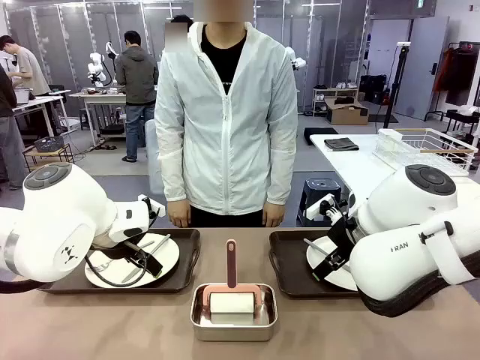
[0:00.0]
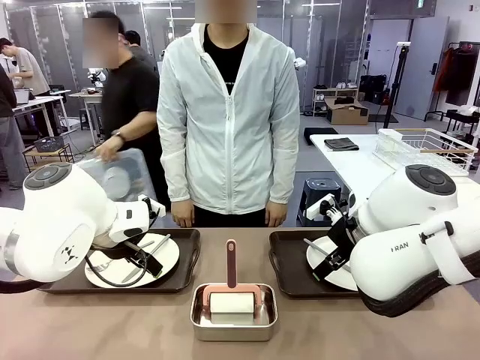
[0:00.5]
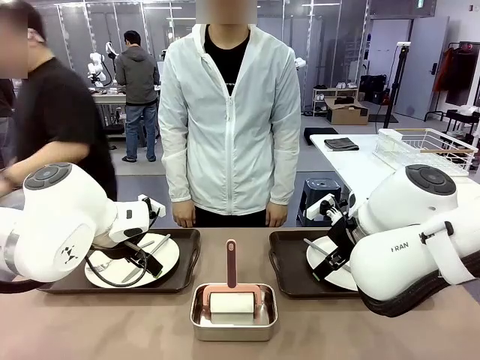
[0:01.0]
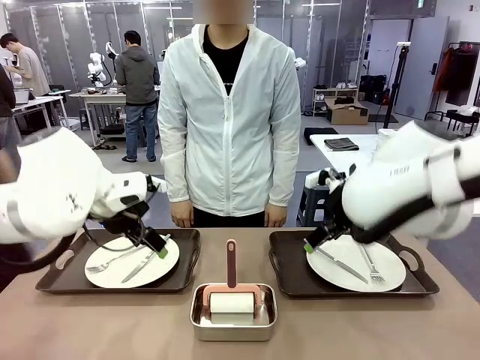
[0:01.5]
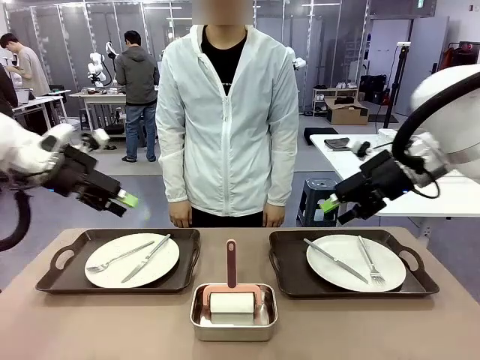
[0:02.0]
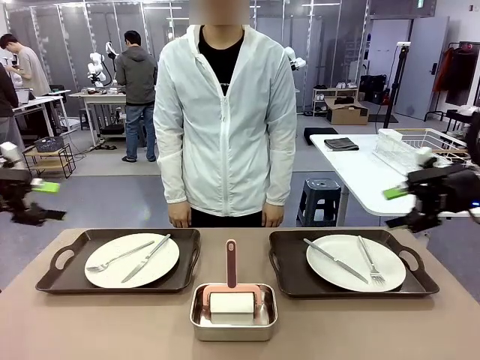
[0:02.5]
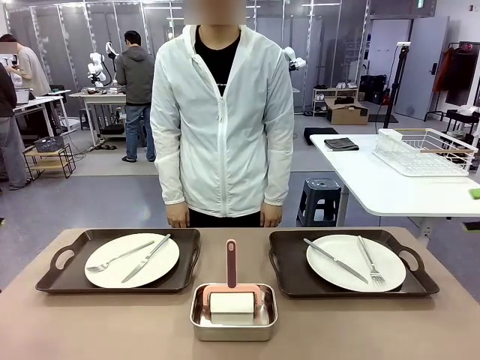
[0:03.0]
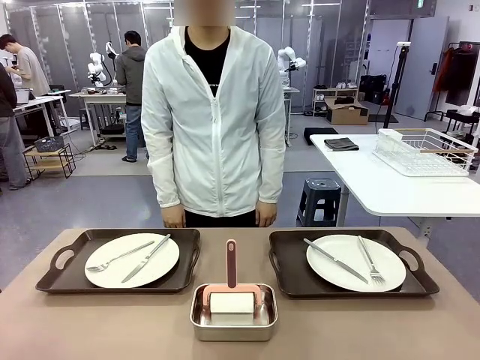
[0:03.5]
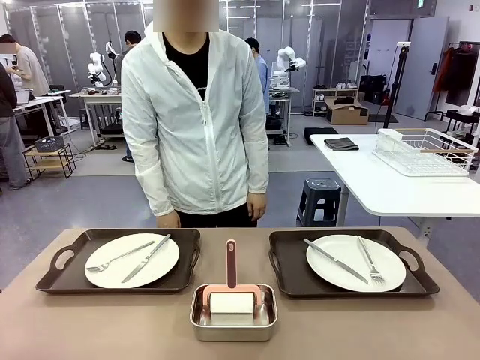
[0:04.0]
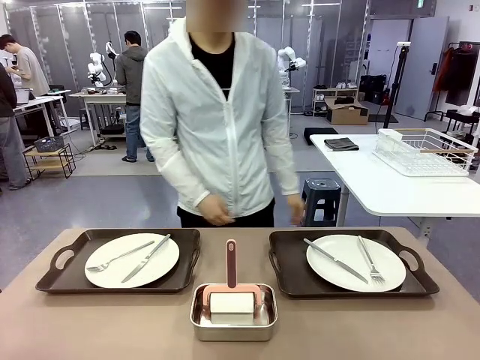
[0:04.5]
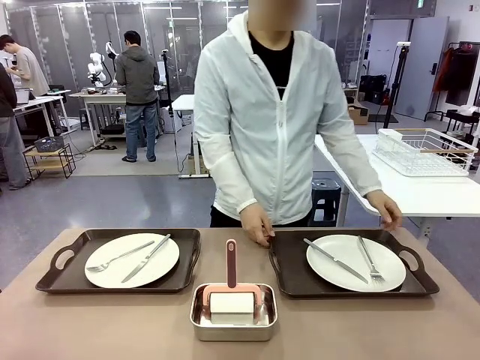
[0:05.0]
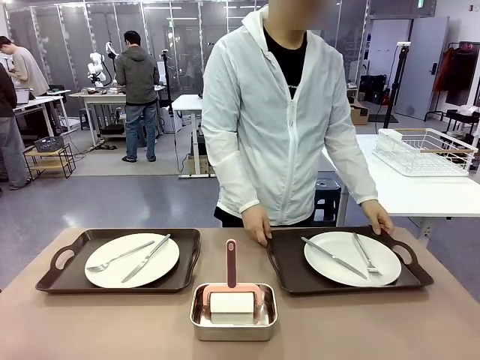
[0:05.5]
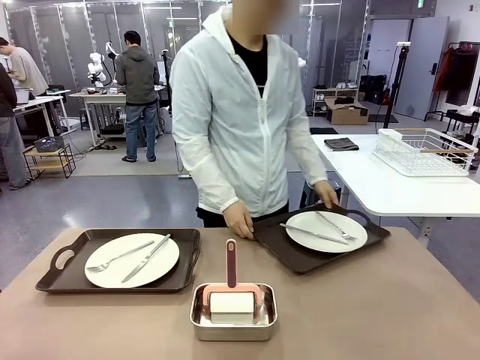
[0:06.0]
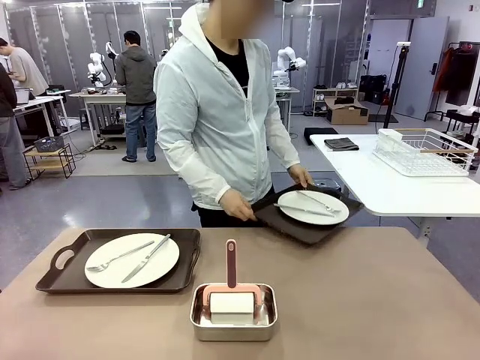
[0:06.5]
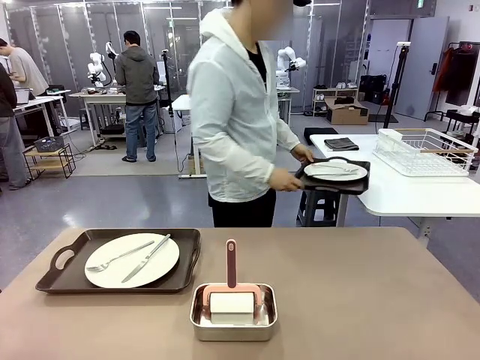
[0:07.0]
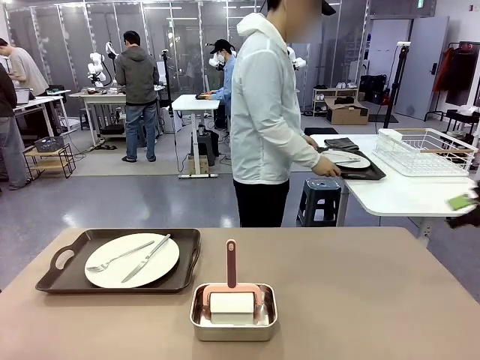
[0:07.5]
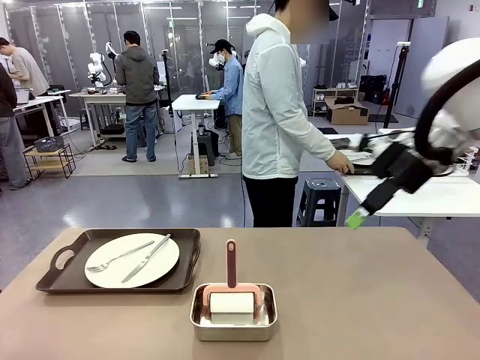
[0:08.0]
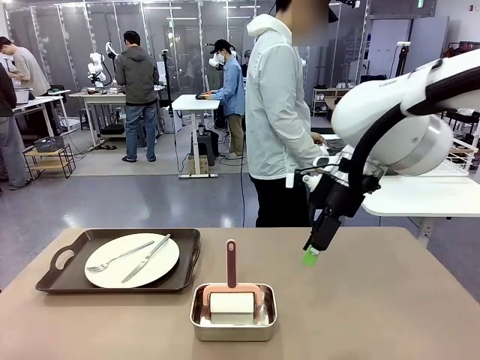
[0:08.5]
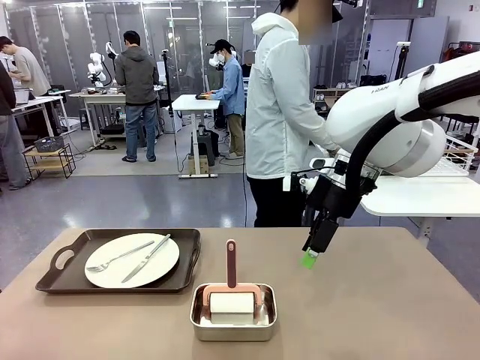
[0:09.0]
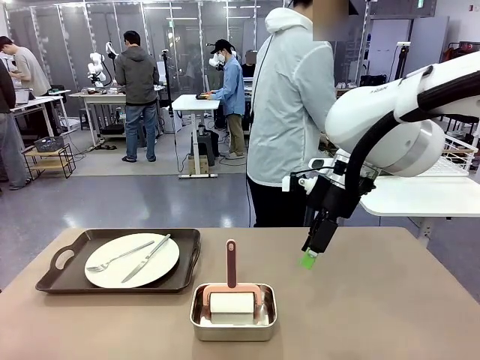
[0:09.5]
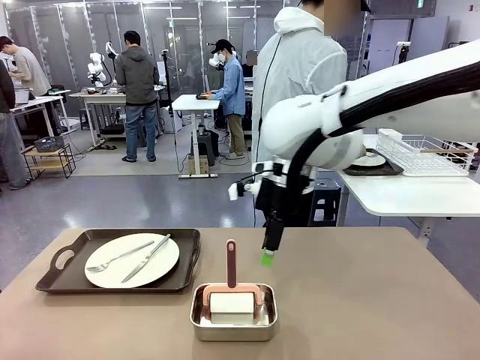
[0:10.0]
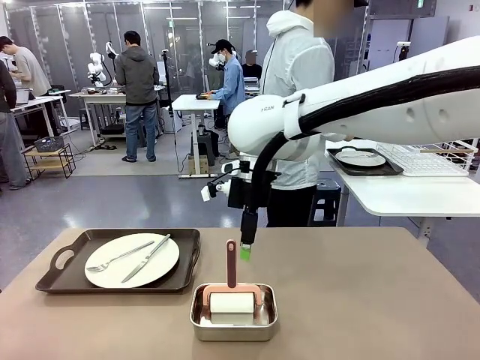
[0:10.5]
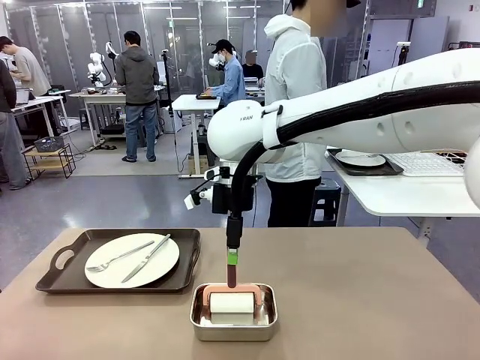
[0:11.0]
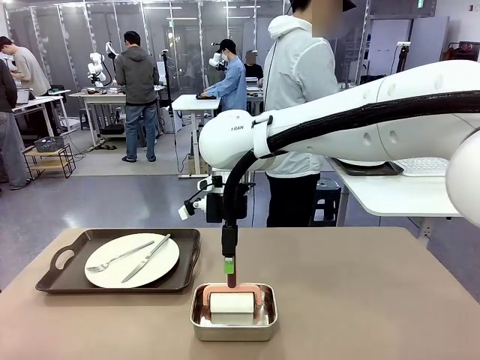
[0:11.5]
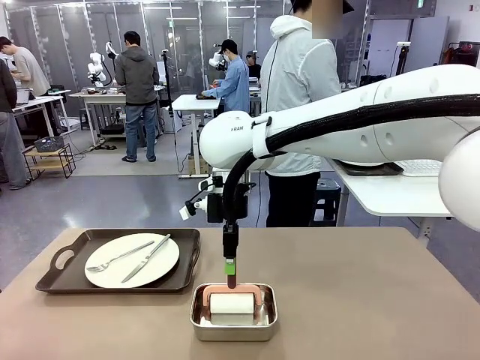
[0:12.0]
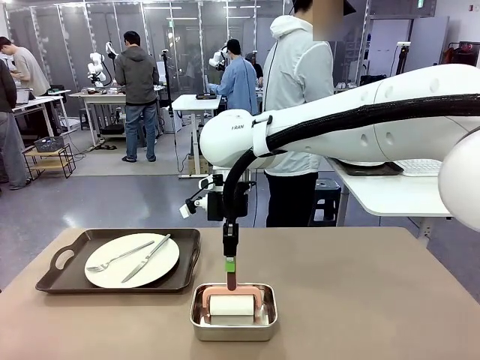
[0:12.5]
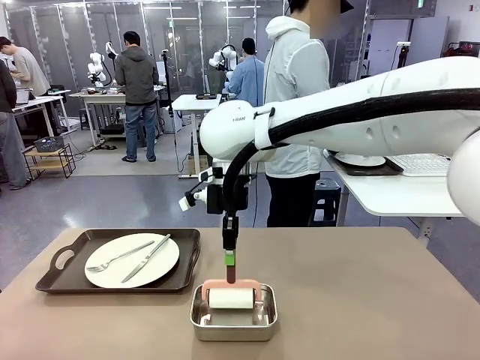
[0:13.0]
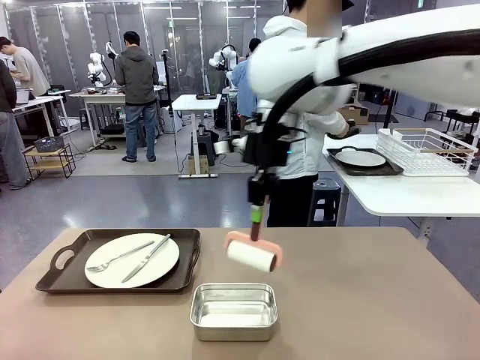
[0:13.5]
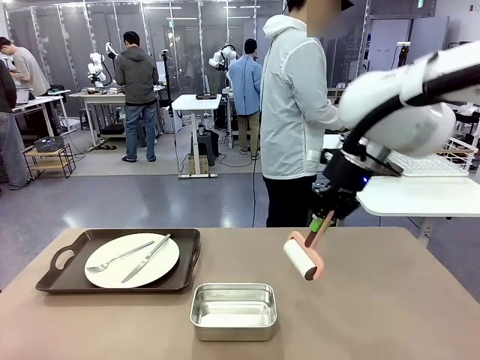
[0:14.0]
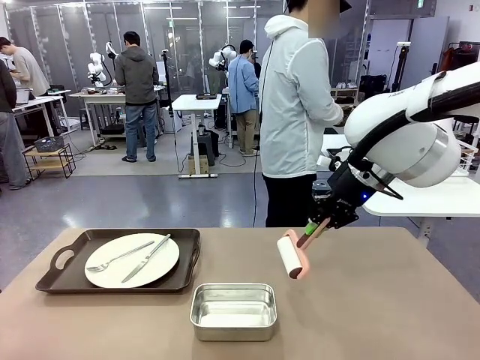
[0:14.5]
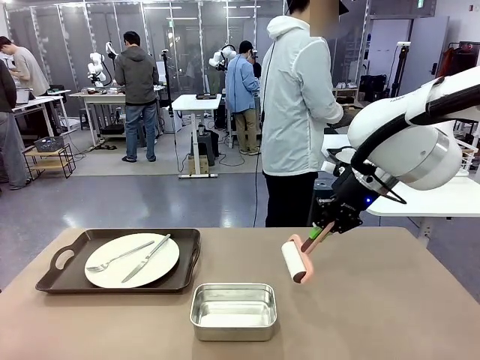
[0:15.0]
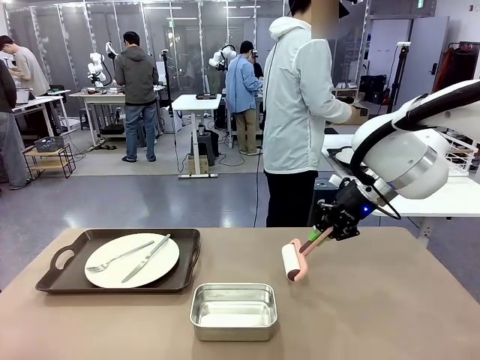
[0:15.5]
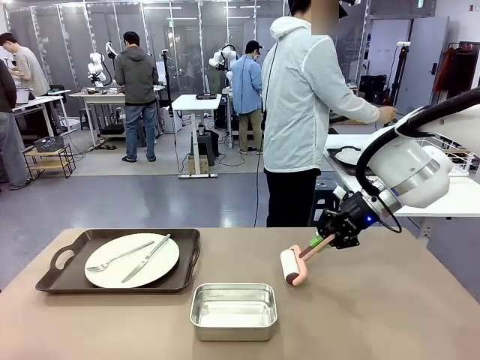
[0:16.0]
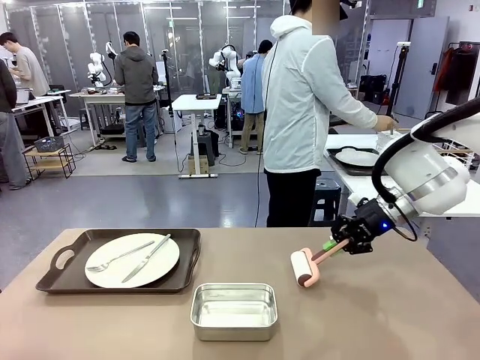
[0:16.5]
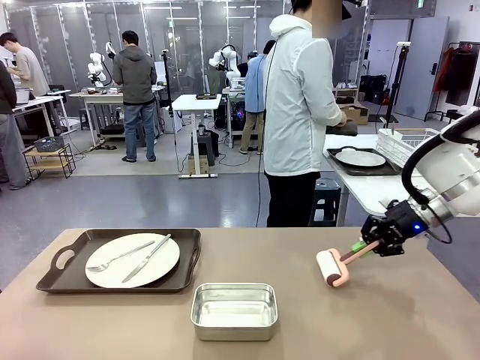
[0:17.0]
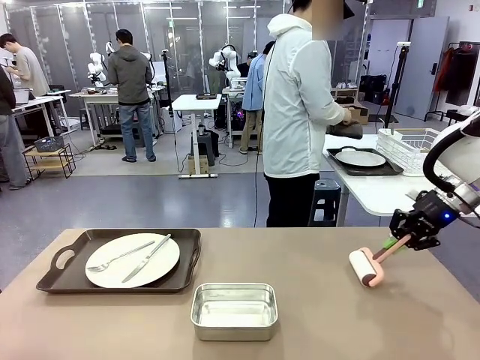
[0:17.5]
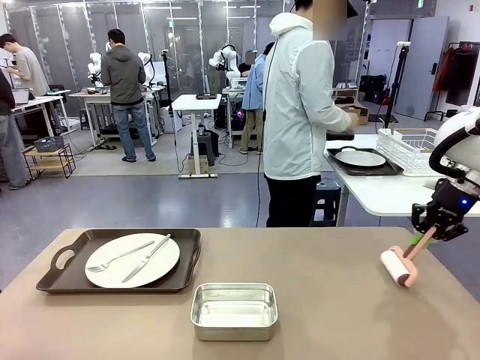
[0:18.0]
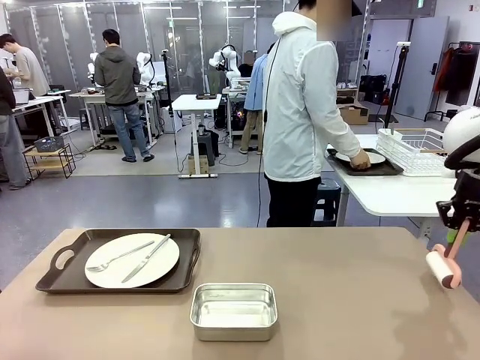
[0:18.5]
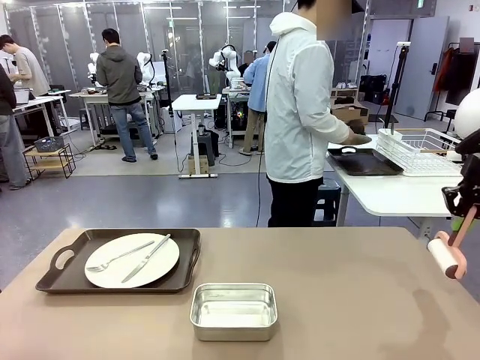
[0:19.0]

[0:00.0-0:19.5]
Robot: When the left (or right) Handle tray is removed, use the left hand (or right hand) to clean the left (or right) side of the table with the Lint Roller.
Person: Pick up the left (or right) Handle tray and place it on the middle of the Human's table. Use the Towel with hook to wipe the Plastic Matte Plate , Fork , and Knife and place into the Dish drying rack.

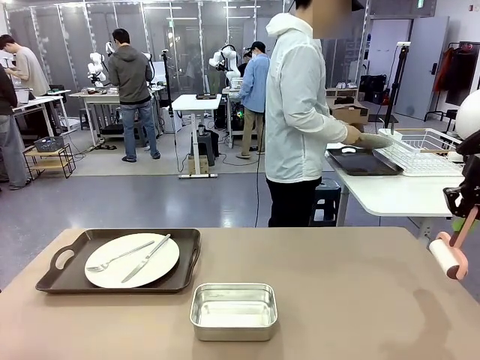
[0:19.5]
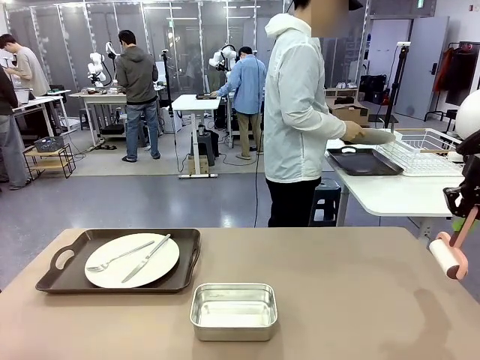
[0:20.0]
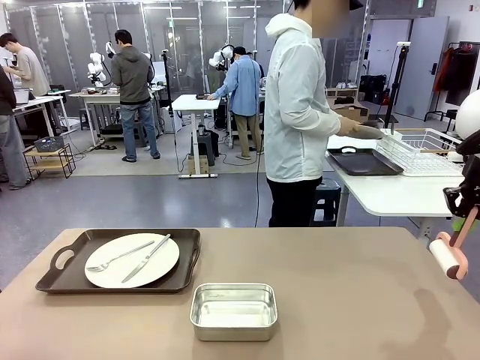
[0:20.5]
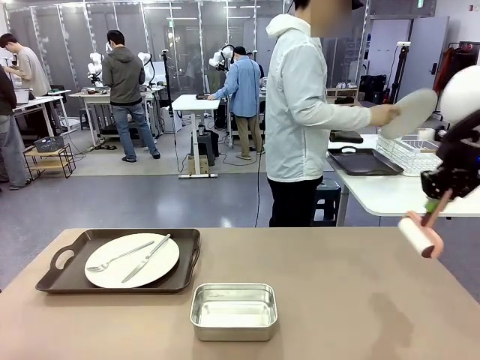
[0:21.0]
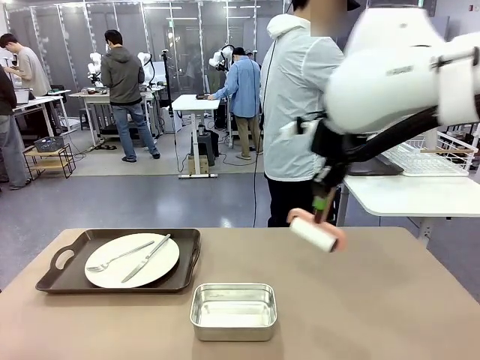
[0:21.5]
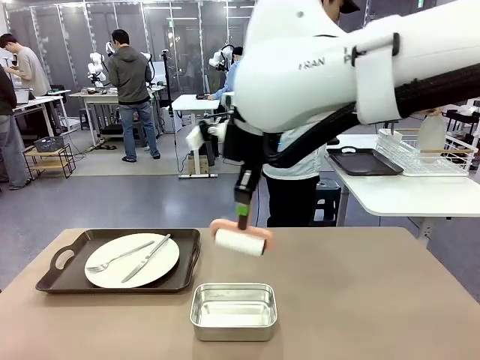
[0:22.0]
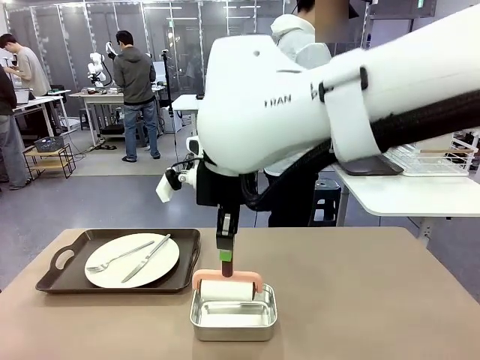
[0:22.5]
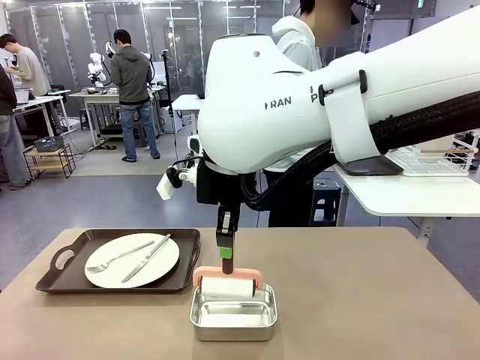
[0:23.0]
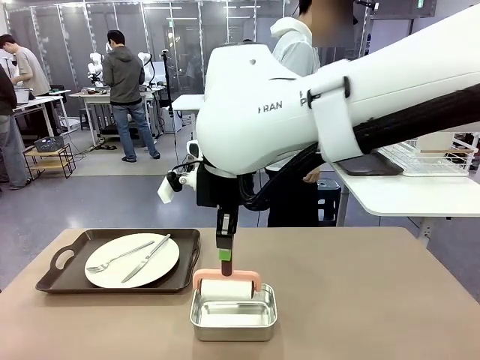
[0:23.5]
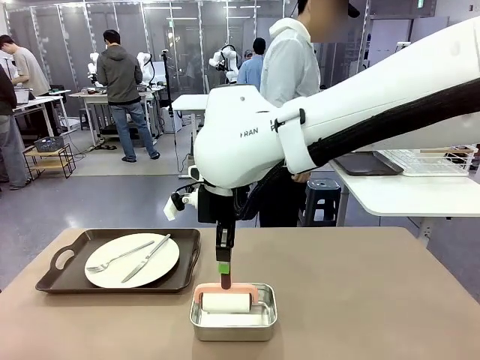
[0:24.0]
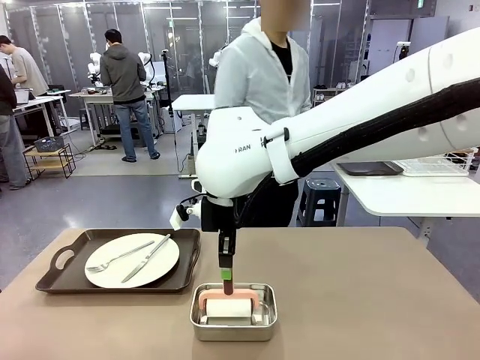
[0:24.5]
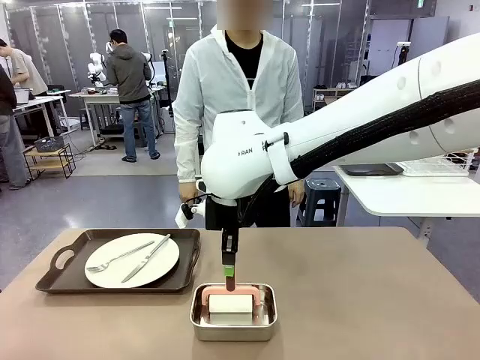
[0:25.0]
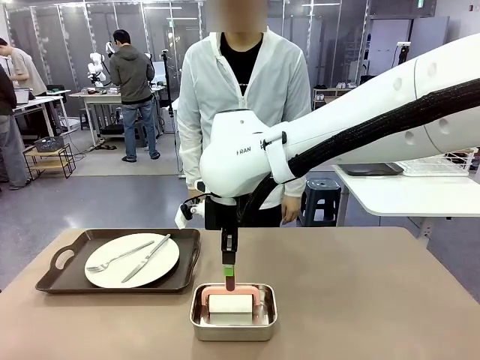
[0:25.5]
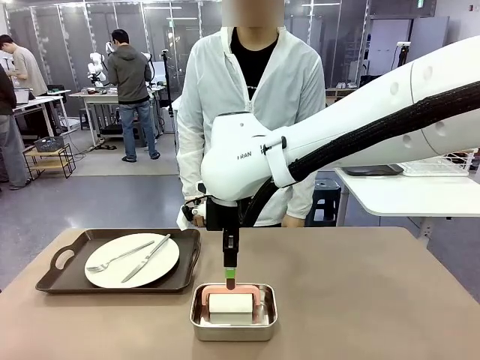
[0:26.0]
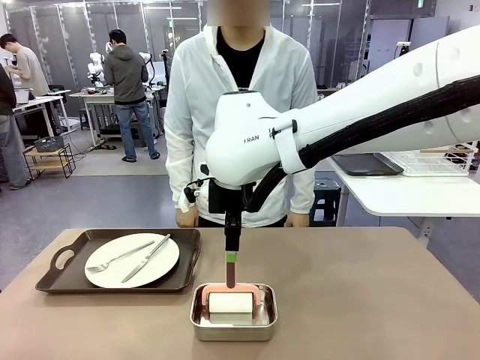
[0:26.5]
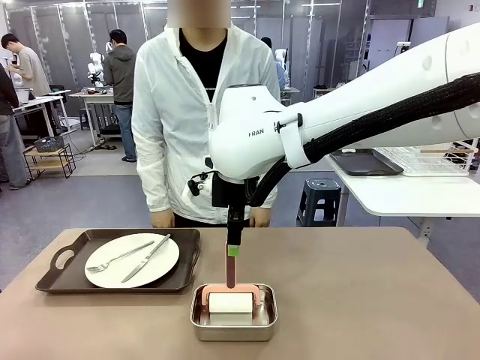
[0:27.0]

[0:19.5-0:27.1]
Robot: Place the Lint Roller back on top of the Airtight Container.
